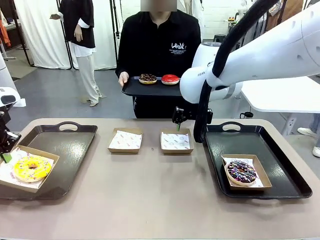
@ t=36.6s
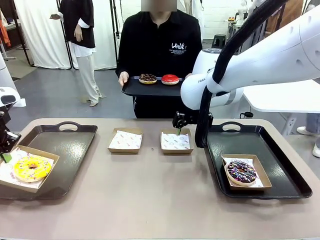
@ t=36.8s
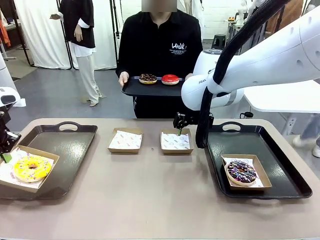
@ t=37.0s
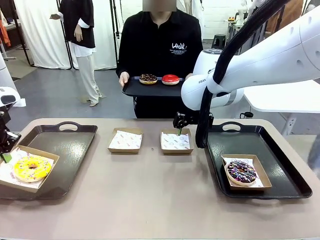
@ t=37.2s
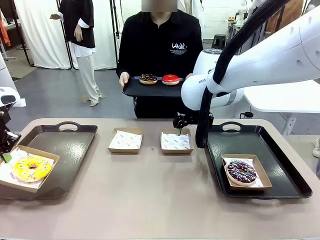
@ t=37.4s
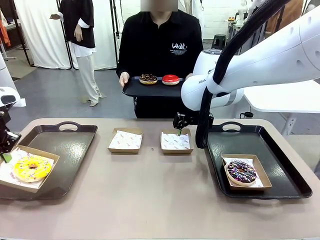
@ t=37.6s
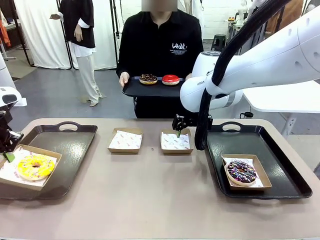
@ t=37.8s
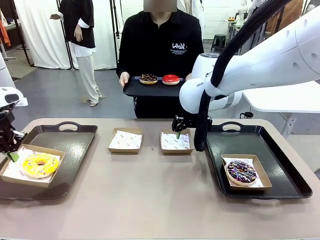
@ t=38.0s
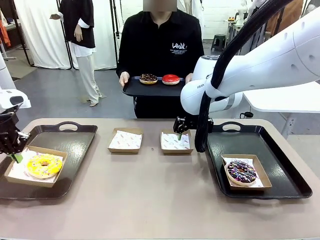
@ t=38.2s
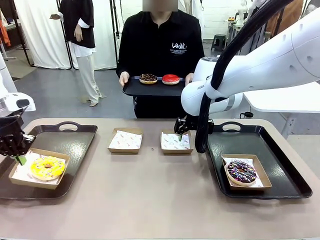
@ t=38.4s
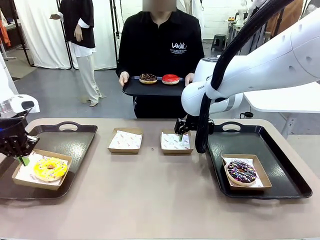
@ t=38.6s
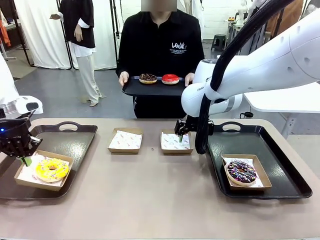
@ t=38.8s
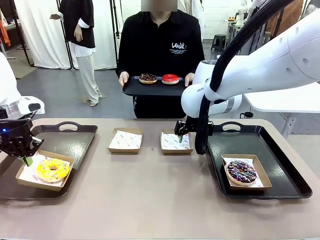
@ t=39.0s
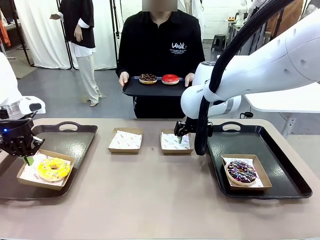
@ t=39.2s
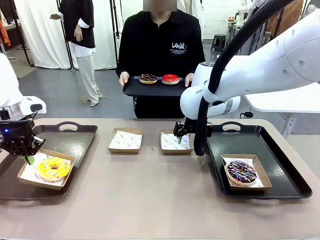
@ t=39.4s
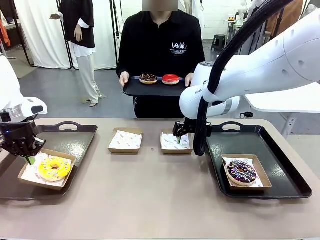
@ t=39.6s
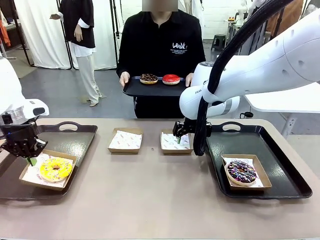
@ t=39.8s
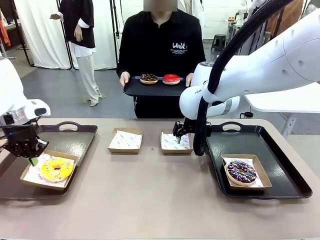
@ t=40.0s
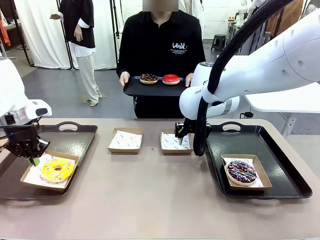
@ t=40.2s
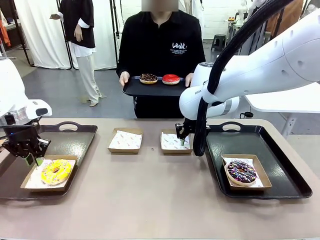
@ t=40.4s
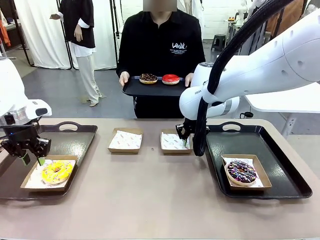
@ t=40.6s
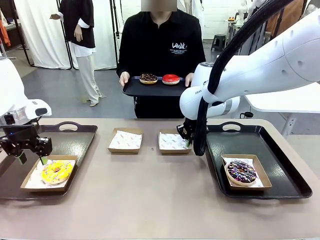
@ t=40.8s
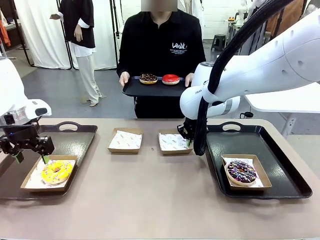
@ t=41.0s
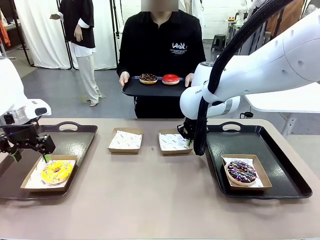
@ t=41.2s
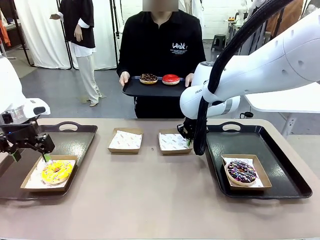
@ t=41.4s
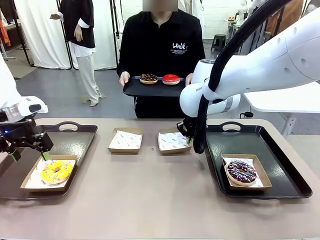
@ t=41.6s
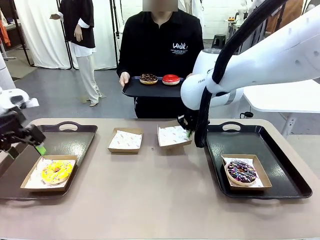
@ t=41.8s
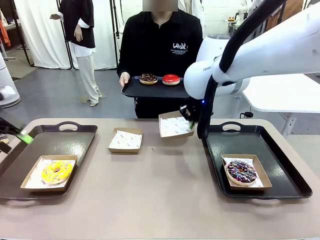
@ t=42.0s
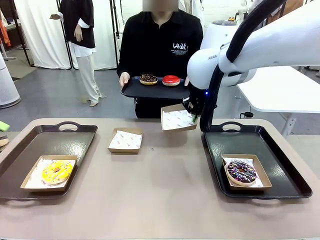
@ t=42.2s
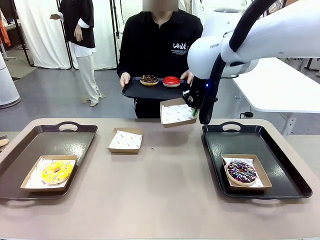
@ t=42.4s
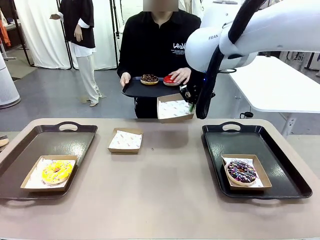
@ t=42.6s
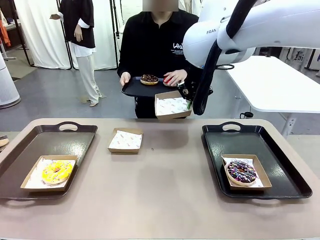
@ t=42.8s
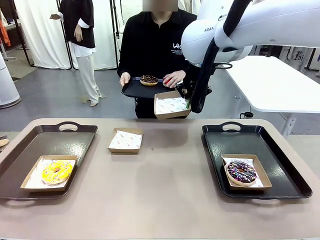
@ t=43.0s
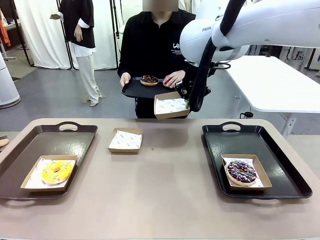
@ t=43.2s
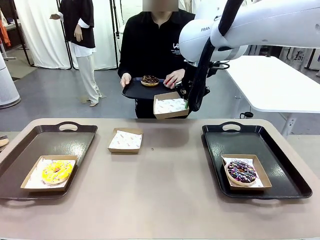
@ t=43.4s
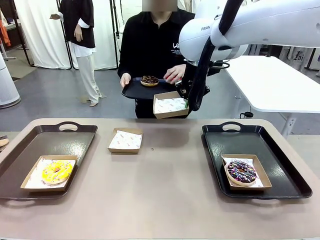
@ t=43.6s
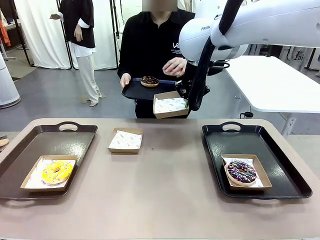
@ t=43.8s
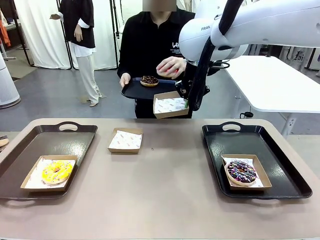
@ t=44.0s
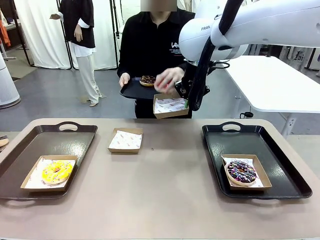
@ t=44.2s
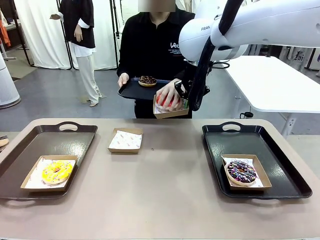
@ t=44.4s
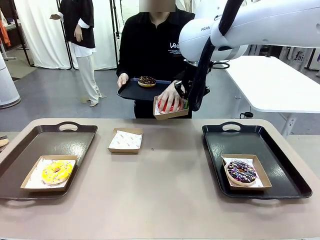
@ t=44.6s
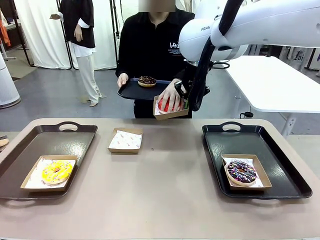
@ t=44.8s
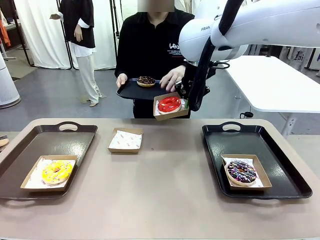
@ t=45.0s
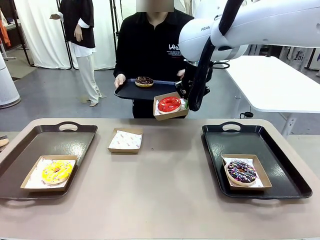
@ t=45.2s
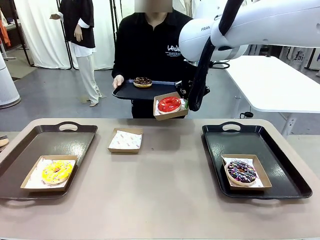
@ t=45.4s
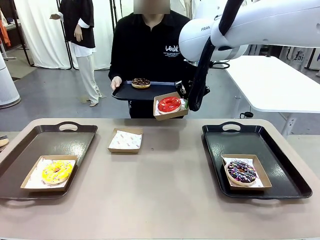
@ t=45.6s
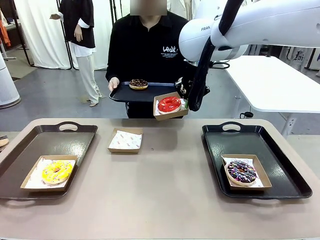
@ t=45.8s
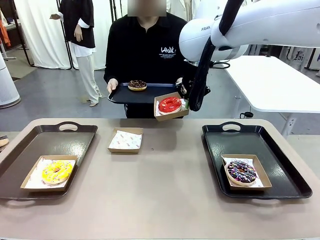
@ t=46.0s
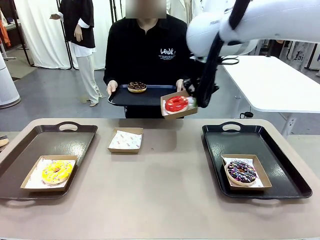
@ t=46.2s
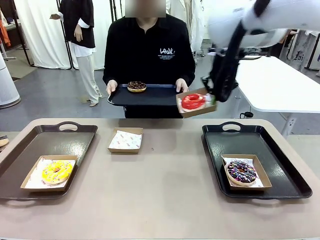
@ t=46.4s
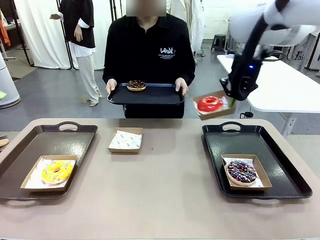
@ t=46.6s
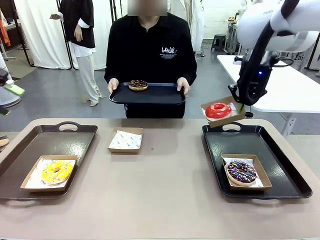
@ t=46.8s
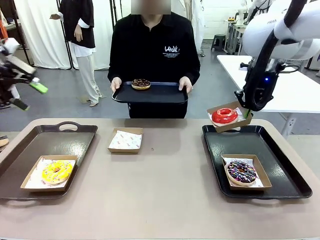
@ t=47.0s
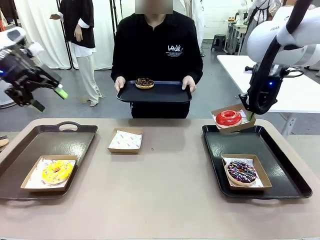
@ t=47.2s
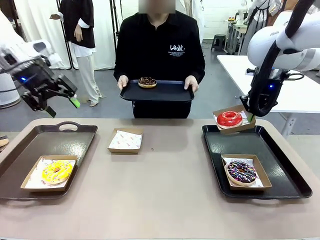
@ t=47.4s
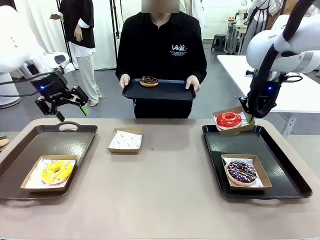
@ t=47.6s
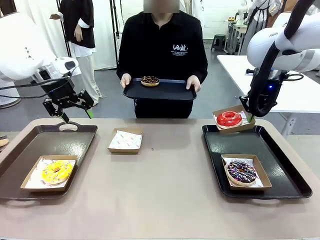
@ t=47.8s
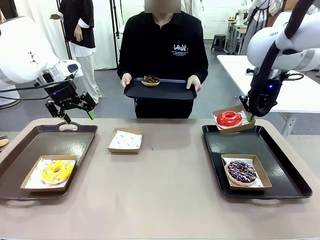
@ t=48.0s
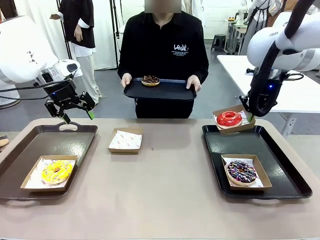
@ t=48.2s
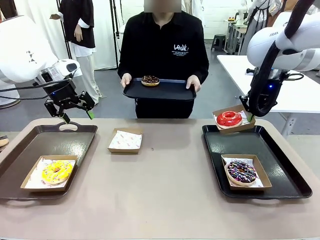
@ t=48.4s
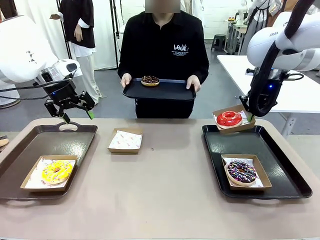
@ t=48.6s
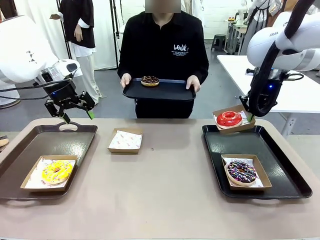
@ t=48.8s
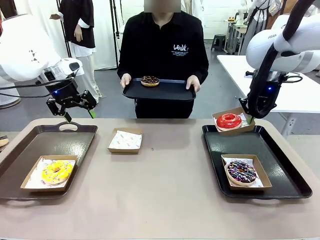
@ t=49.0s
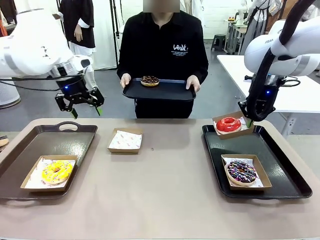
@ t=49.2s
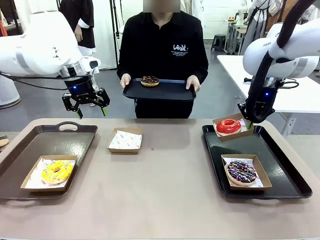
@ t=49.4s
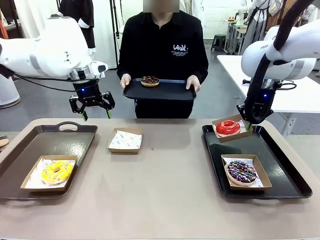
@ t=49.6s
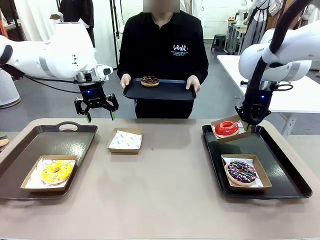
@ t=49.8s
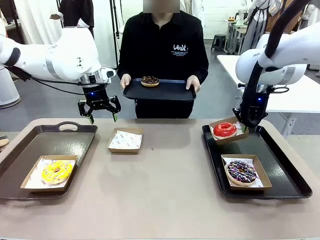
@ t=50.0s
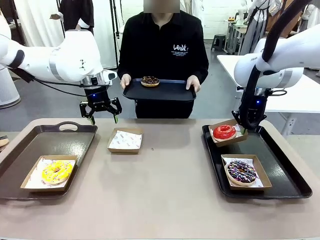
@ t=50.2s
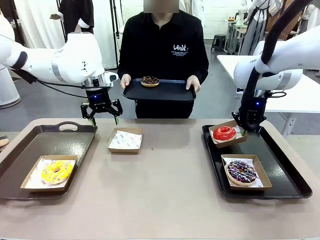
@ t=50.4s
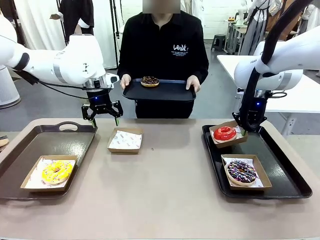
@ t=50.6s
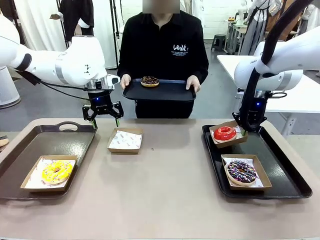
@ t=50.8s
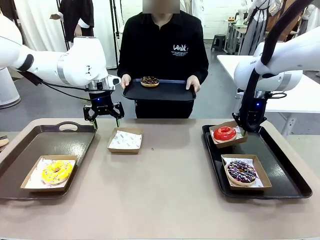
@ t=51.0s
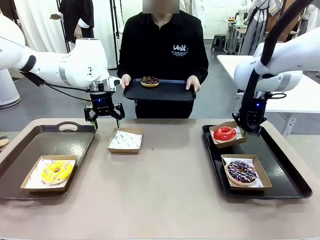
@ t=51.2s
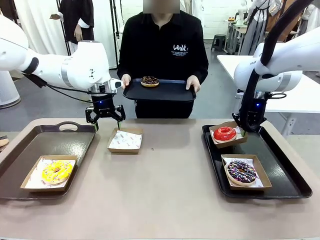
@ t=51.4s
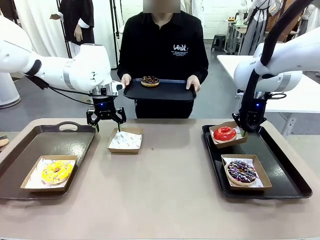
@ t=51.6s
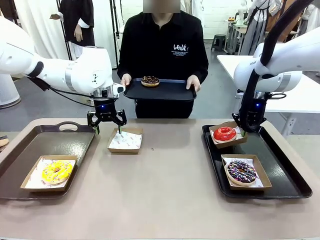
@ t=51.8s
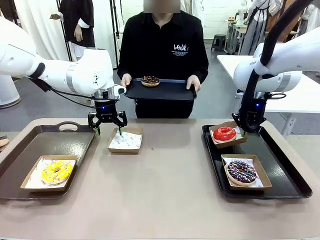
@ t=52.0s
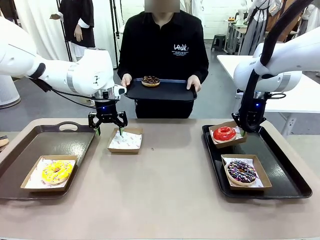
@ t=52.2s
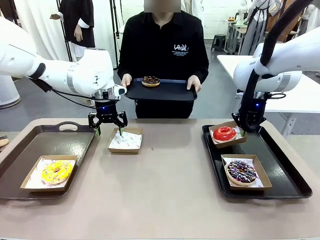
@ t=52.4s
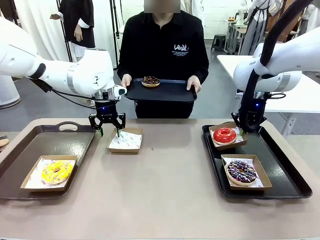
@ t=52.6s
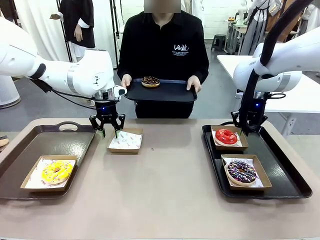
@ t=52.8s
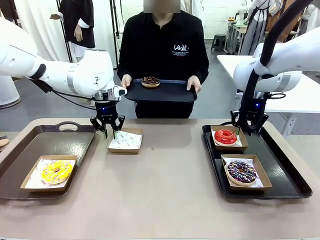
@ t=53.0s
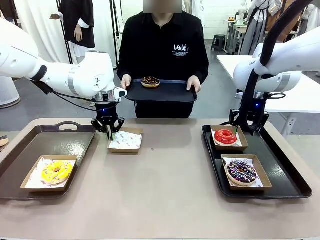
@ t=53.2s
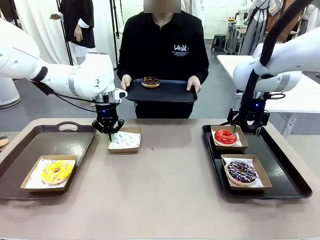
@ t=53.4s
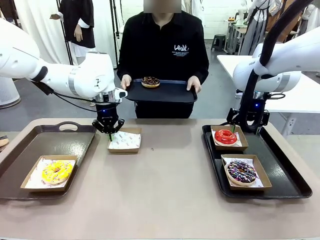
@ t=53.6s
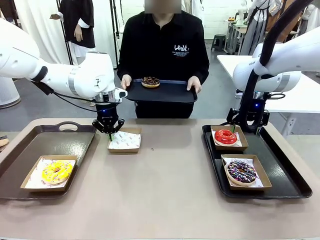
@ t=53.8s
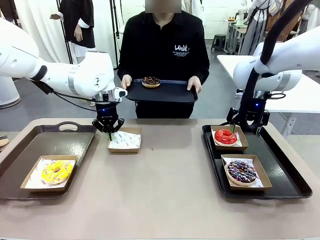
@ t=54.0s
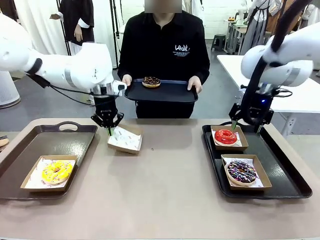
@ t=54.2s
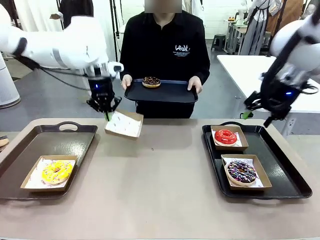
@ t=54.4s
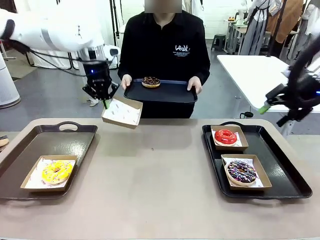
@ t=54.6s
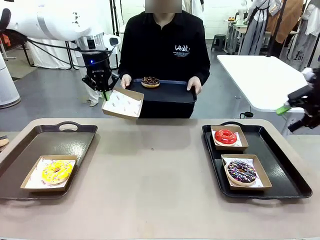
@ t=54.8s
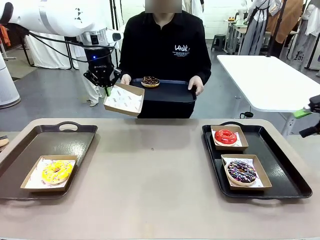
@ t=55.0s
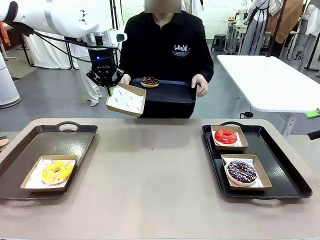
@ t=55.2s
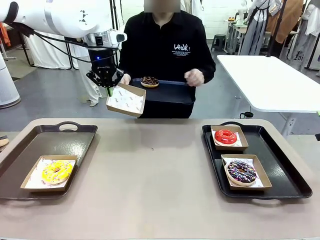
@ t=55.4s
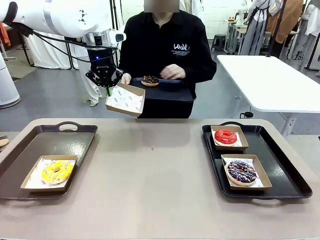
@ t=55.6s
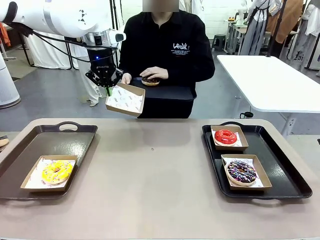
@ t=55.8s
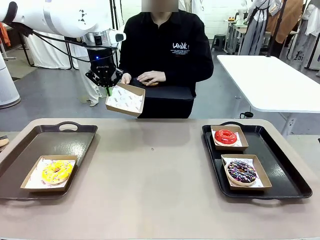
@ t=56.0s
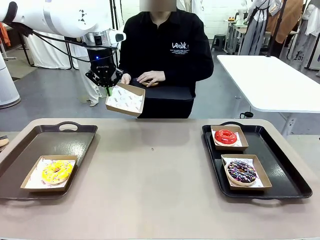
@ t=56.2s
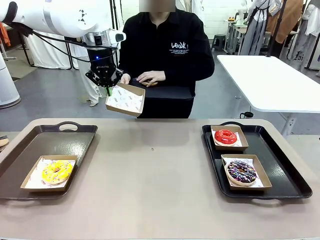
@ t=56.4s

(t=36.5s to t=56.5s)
Task: Individually package the donuts and arrange them on the tray.
Robot: Place the picked Paper togo box on the Handle tray while simultaneously picking up another Paper togo box from the table with the other hand.
